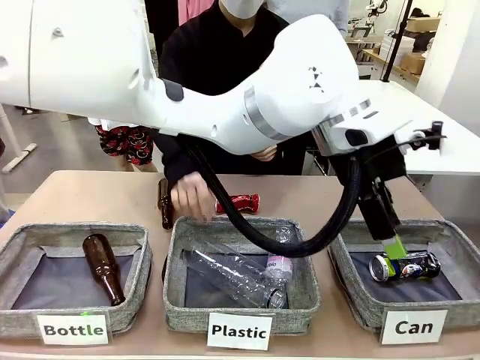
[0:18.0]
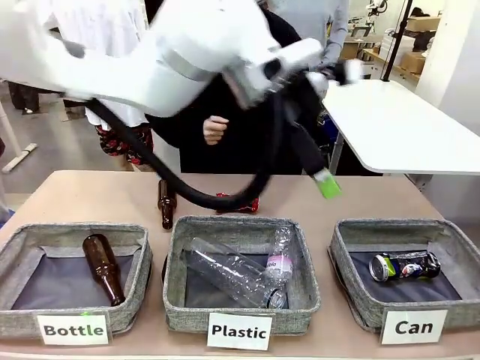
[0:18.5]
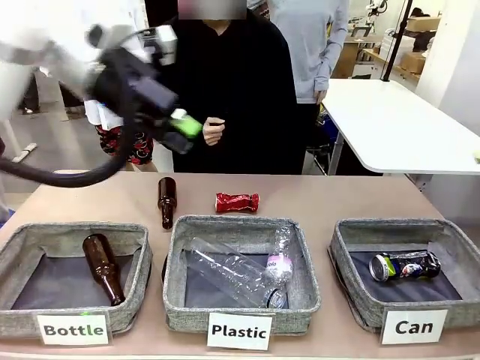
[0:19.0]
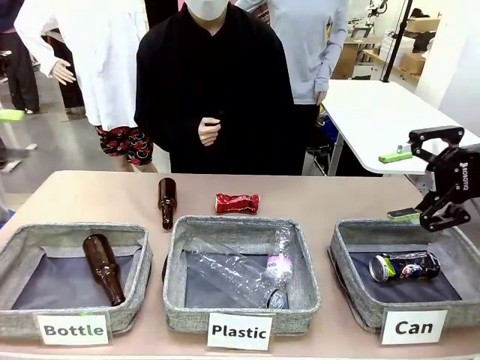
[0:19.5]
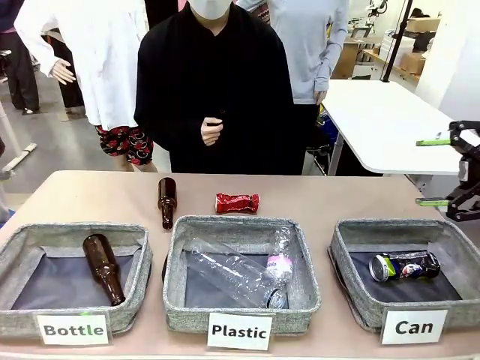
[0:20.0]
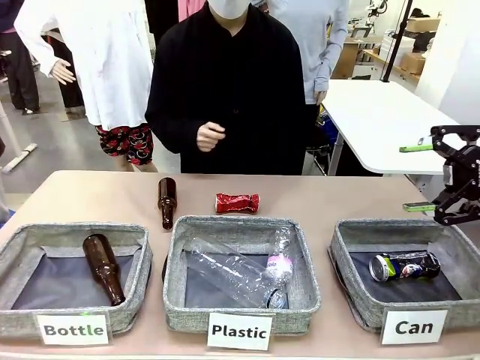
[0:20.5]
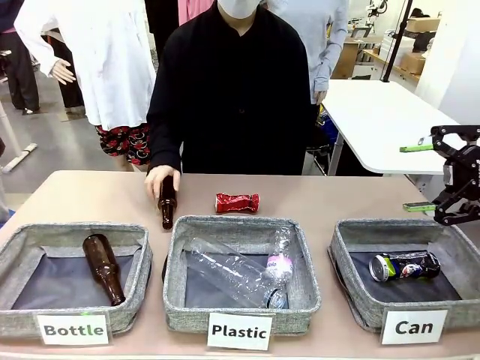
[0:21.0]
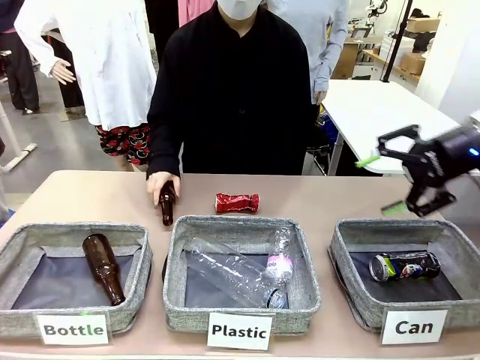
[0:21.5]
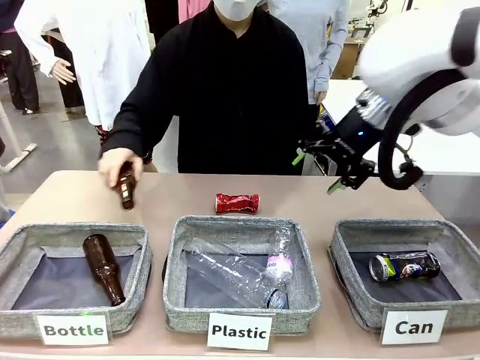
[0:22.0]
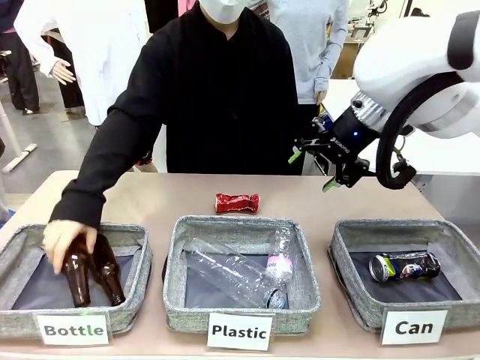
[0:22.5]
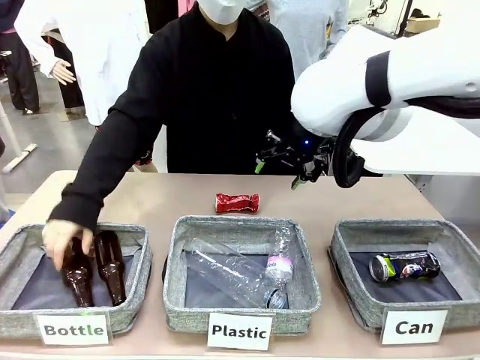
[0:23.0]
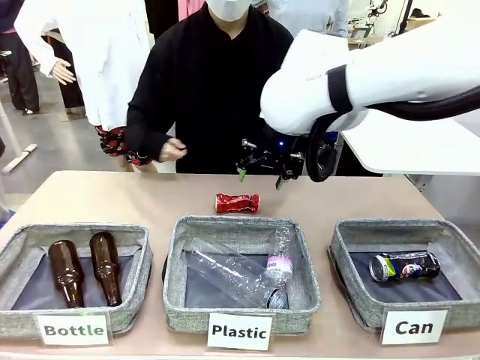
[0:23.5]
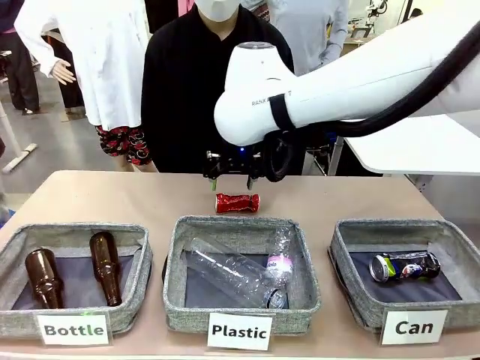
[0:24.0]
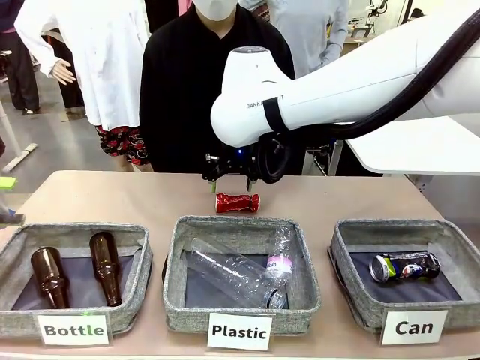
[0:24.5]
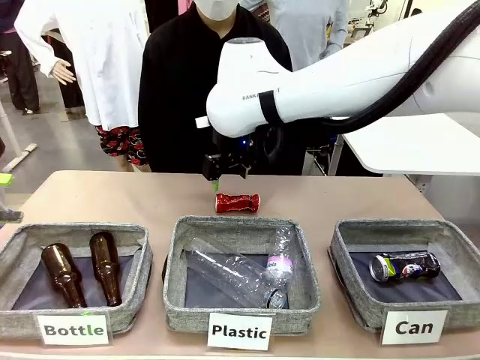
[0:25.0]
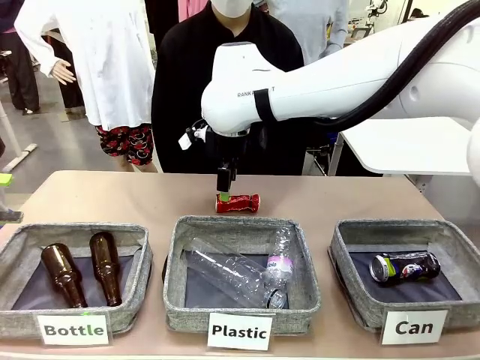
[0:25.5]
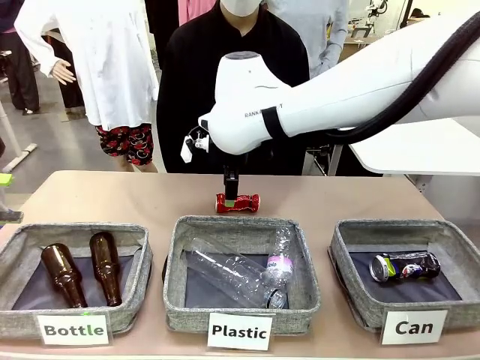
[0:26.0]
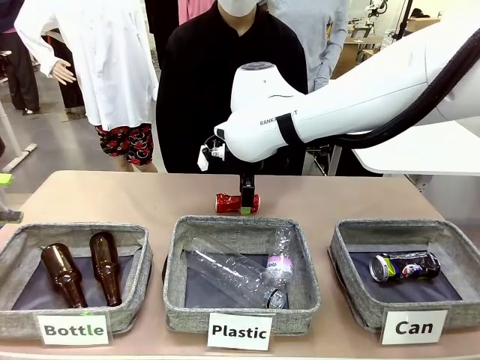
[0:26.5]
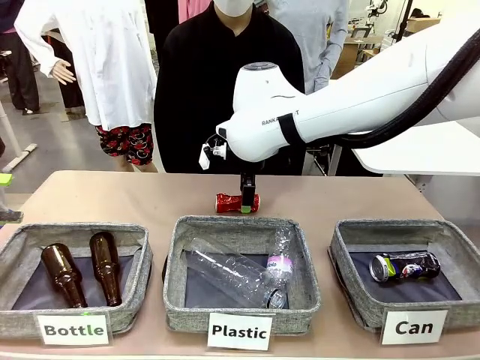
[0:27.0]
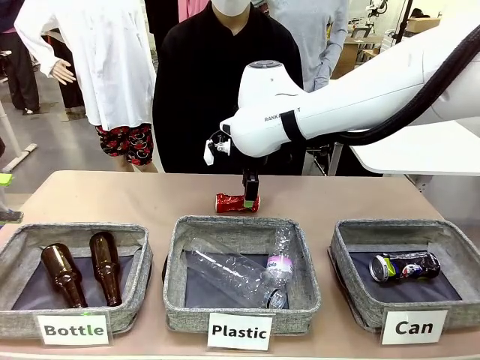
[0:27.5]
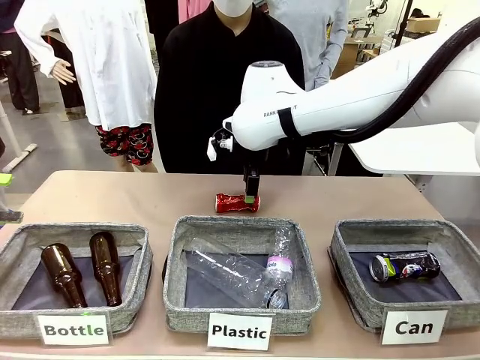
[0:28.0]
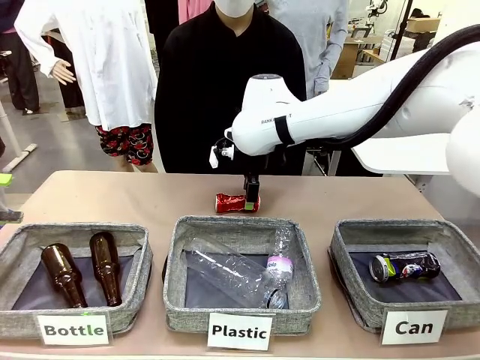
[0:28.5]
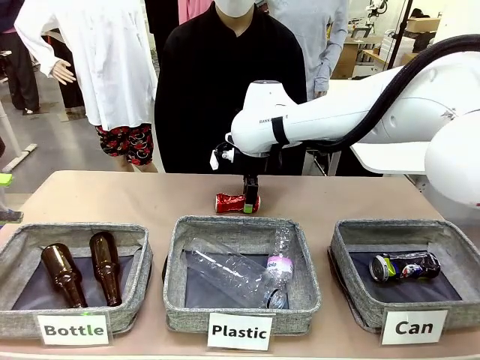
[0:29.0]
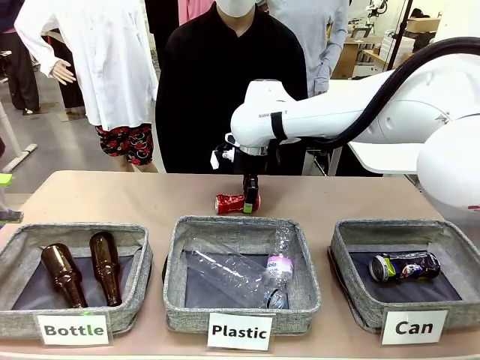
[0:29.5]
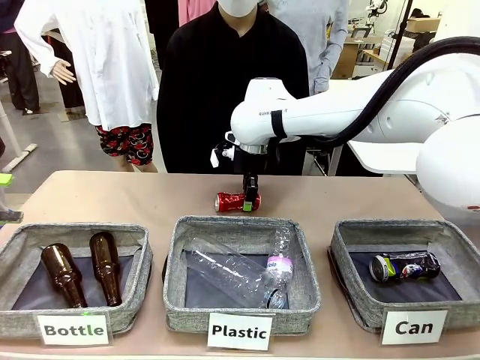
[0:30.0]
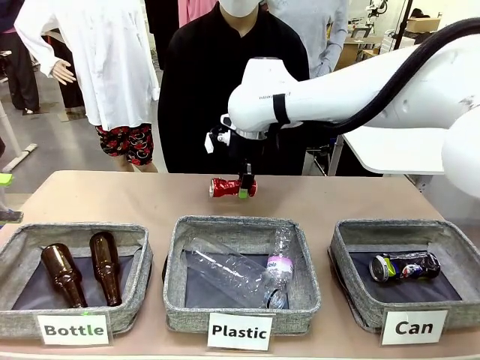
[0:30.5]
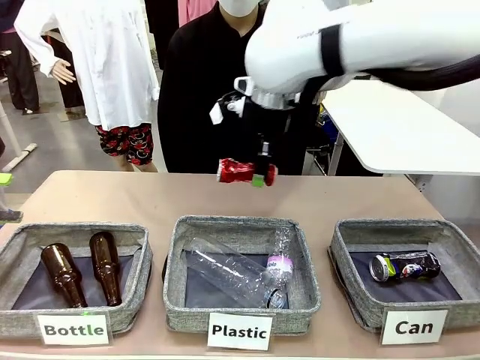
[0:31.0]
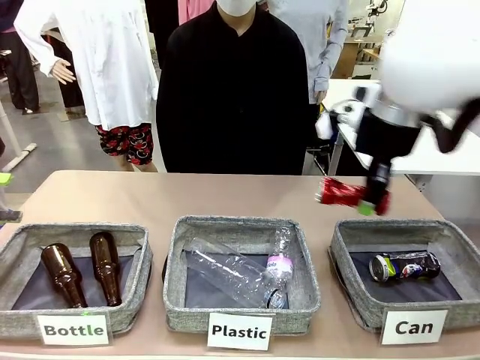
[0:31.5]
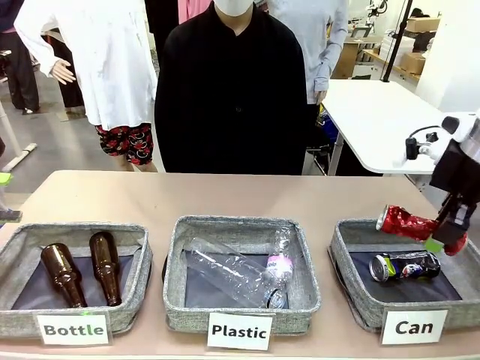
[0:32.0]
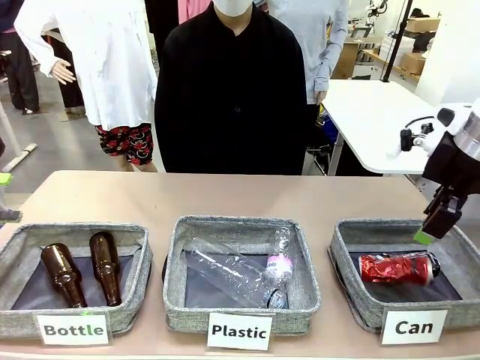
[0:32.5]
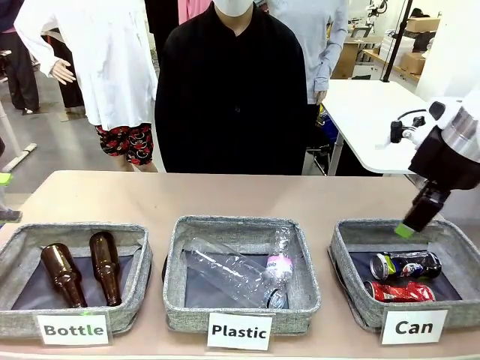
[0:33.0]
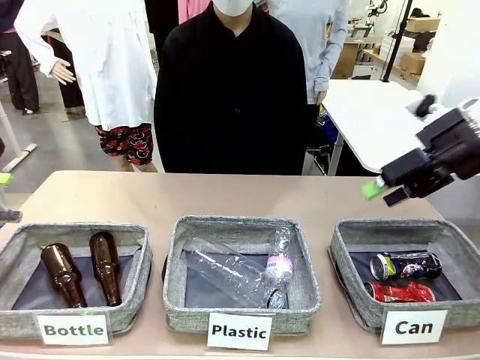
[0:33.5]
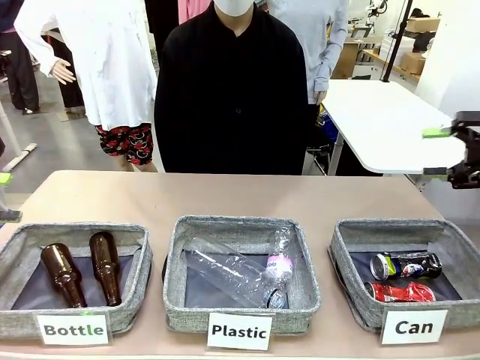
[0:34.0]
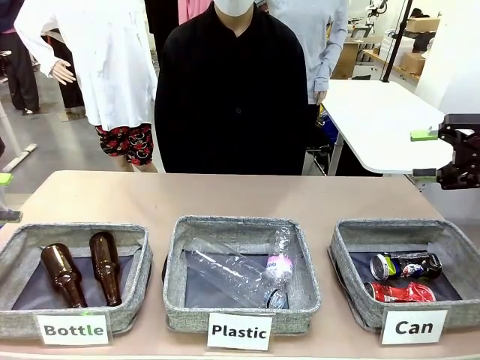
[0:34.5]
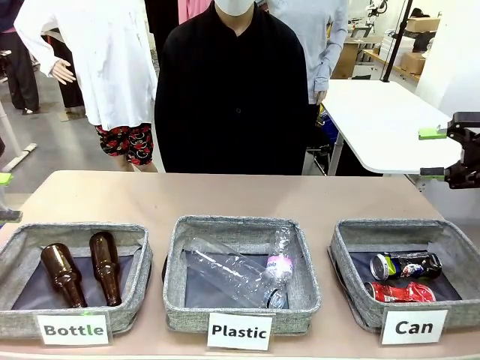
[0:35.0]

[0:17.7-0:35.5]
Task: Sort the can waste into the basket.
Robot: Pick up the can waste from the table and place it in the right Fabric basket.
Person: The human picks up one piece of trash that is not a can and places the trash into the appropriate organizing basket.

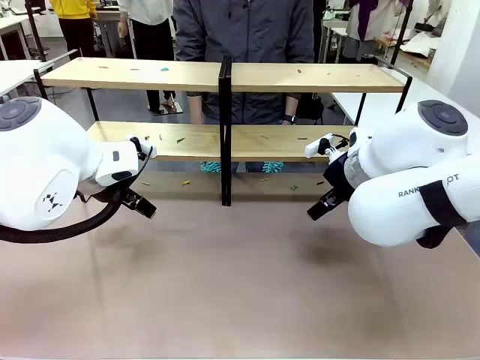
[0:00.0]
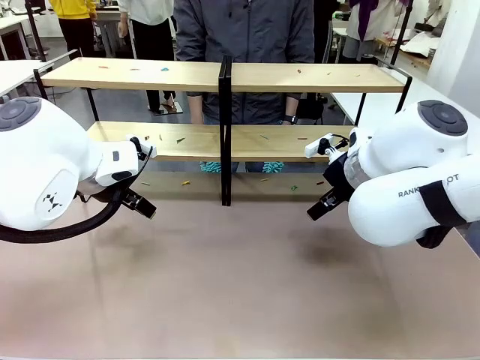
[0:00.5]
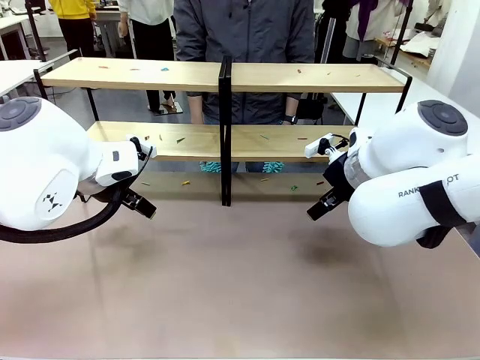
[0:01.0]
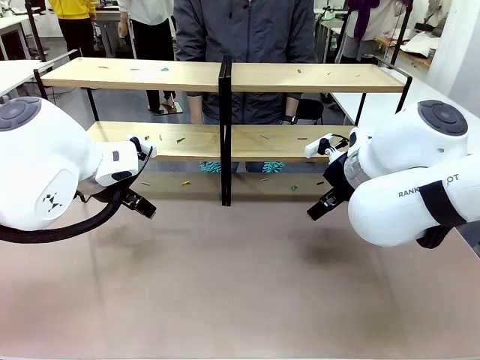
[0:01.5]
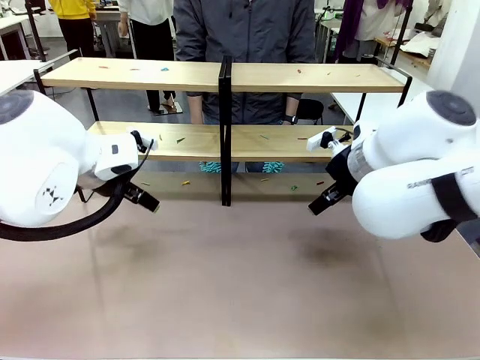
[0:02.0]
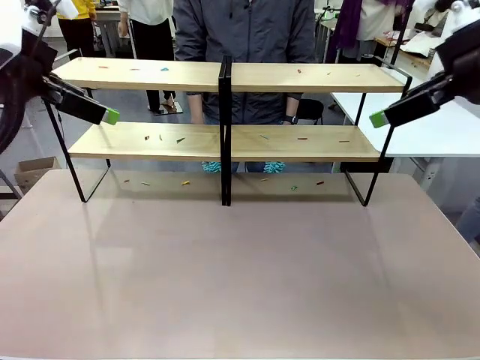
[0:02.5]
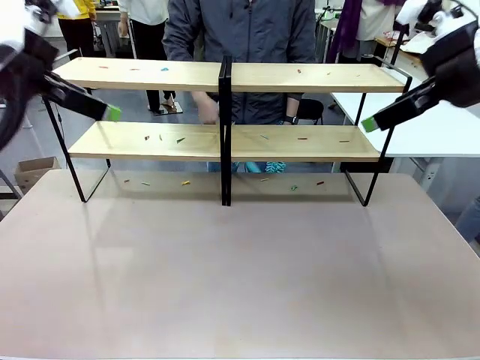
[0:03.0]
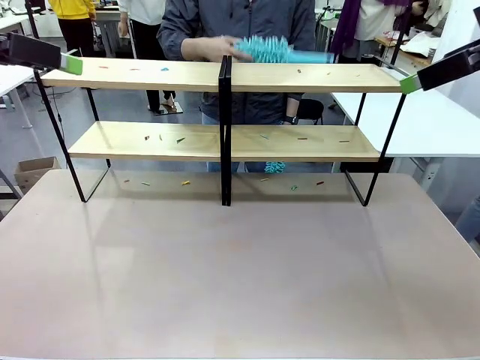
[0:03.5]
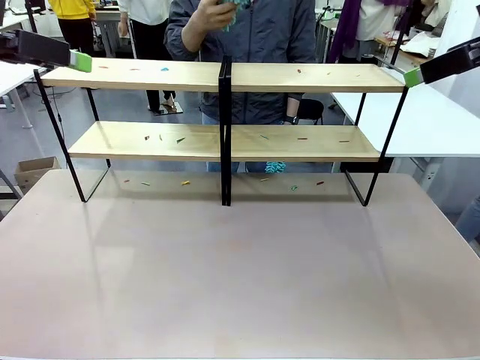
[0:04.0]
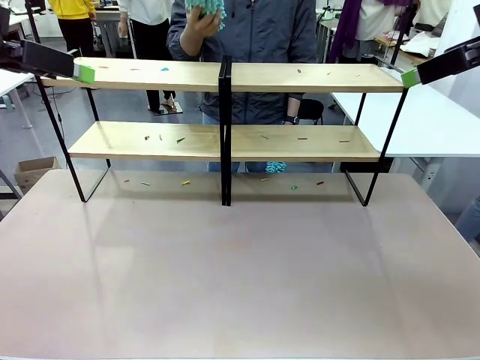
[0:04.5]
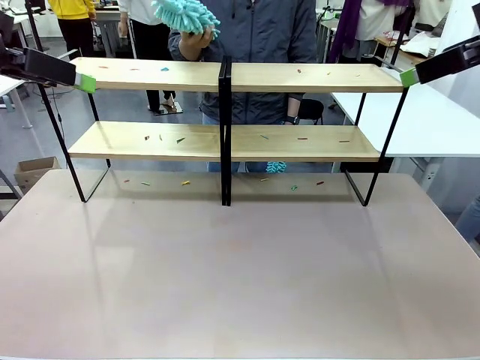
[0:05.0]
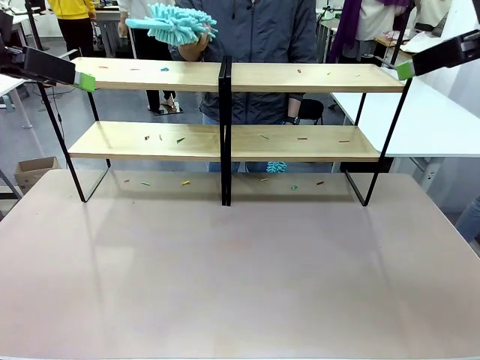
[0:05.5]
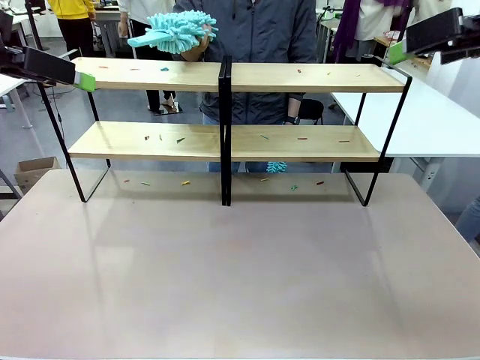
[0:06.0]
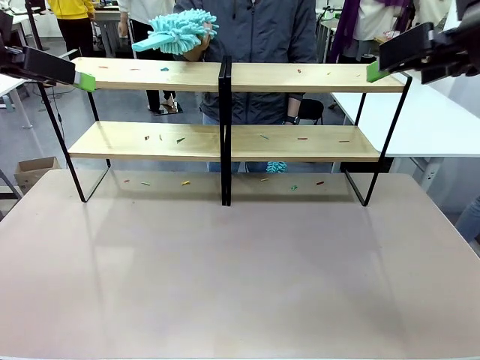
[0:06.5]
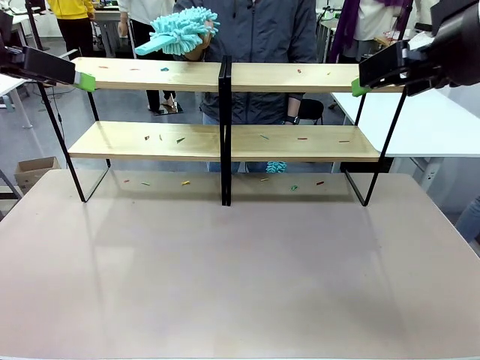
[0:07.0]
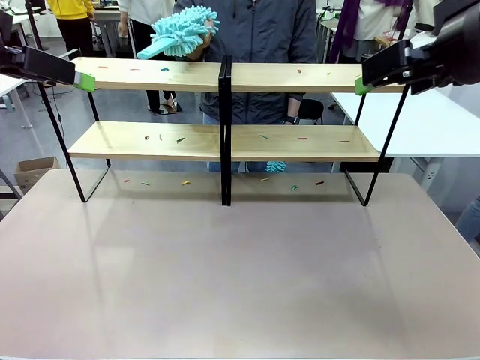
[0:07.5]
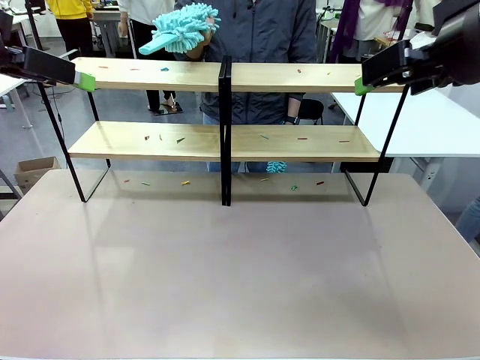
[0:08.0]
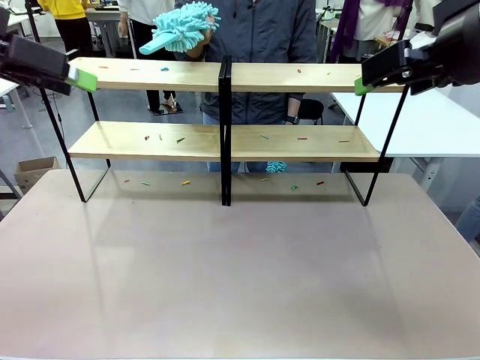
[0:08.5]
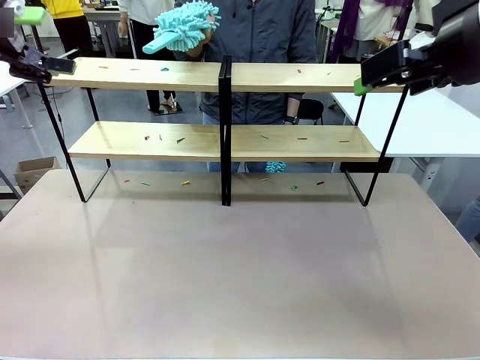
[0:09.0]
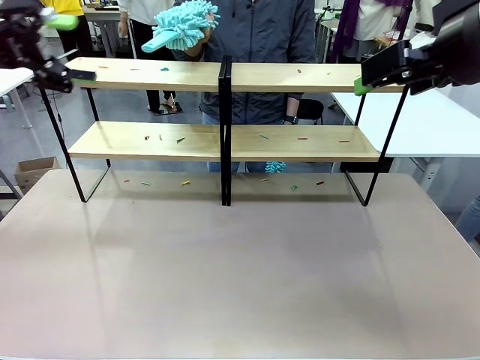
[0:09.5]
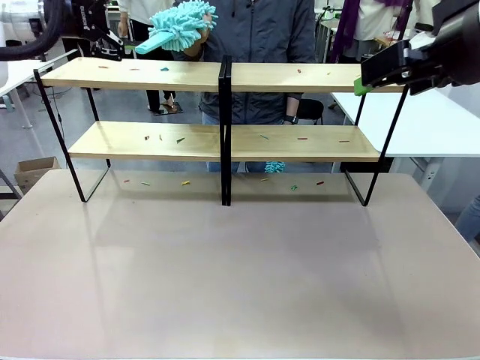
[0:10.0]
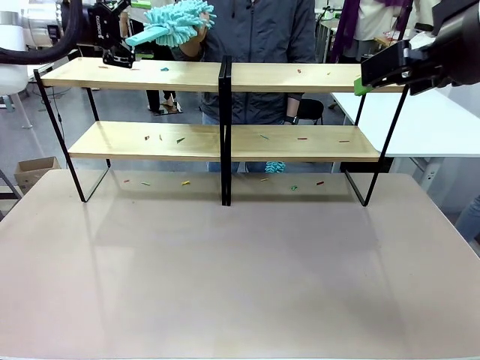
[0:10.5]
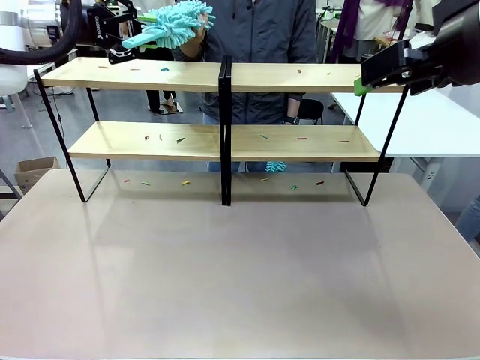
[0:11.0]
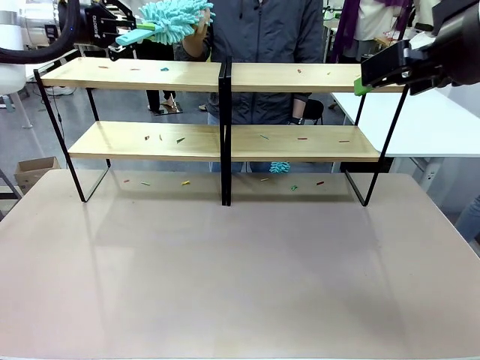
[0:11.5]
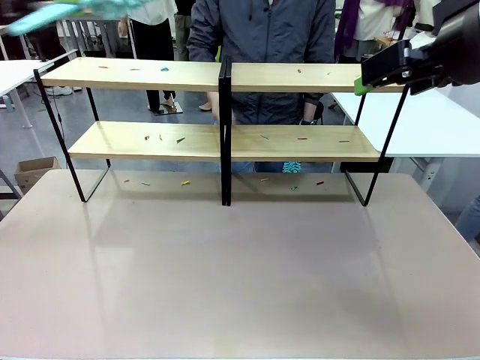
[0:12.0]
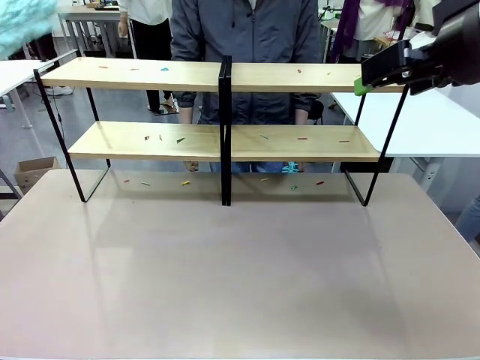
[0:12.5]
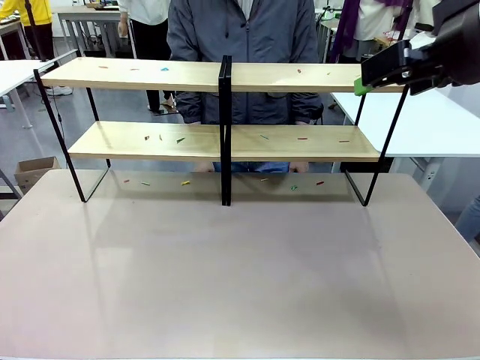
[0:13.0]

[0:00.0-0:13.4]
Task: Clean the shelves.
Robot: Pick up the Duster when the human hands it over.
Person: Hand the Duster to the robot with your right (or left) hand.
